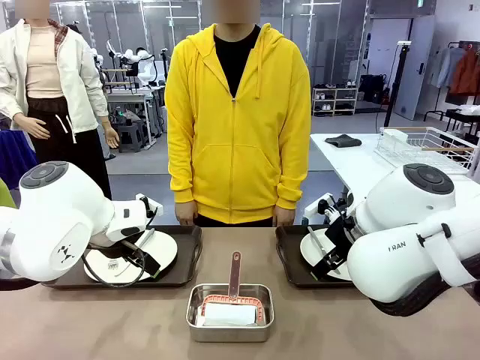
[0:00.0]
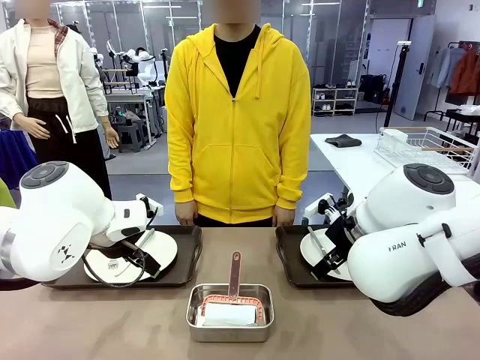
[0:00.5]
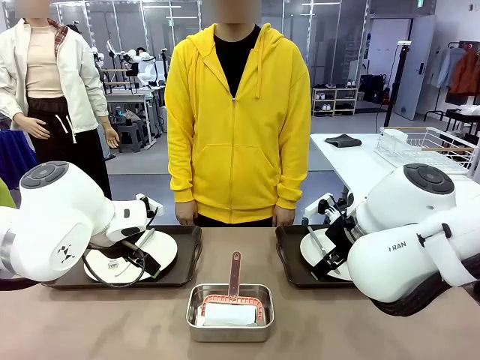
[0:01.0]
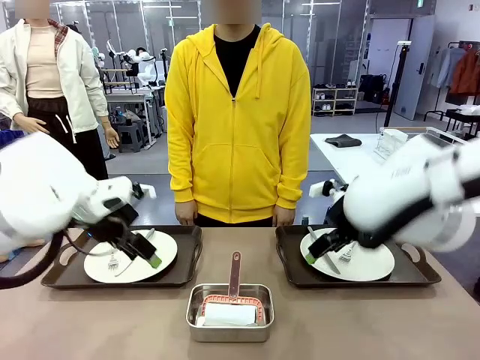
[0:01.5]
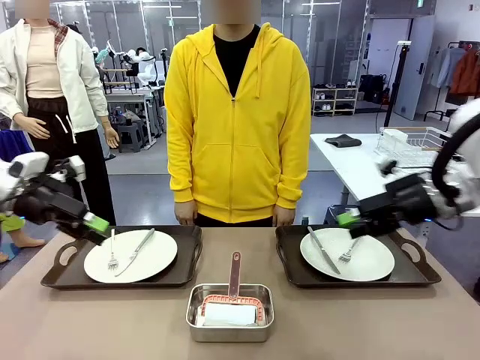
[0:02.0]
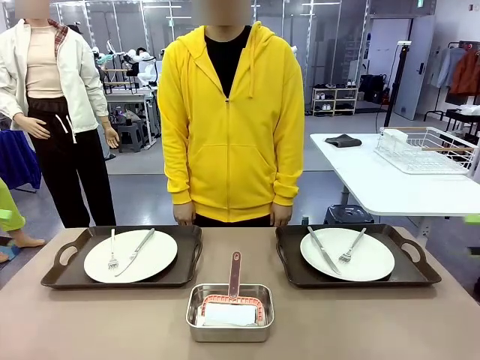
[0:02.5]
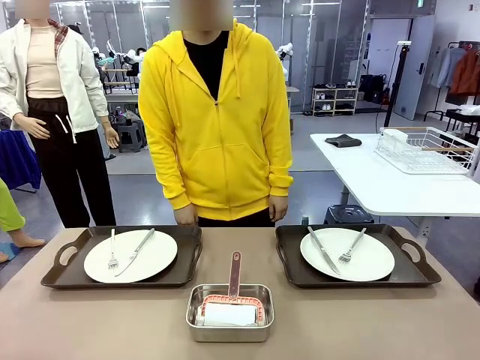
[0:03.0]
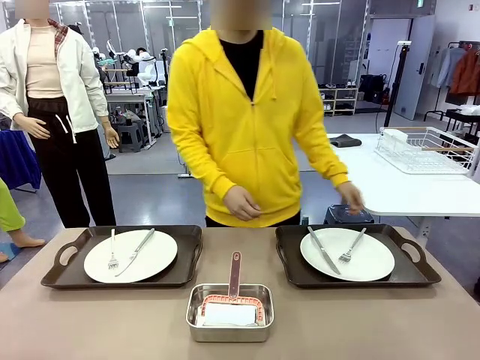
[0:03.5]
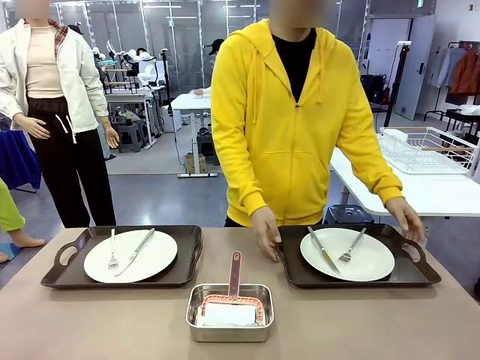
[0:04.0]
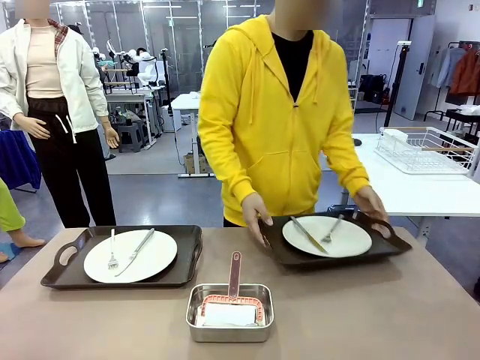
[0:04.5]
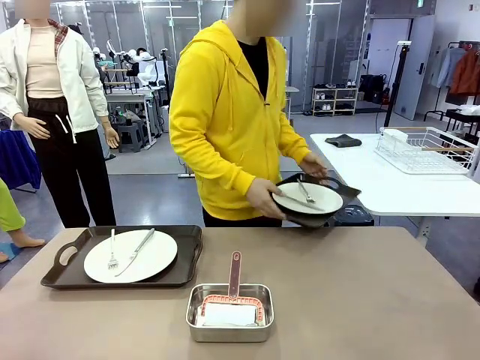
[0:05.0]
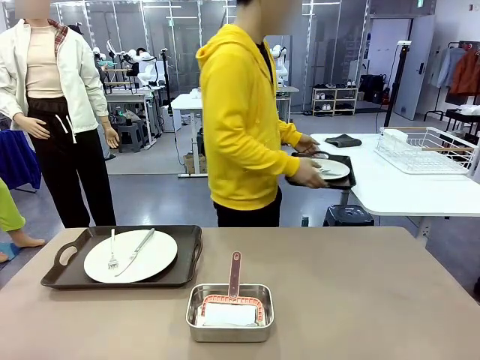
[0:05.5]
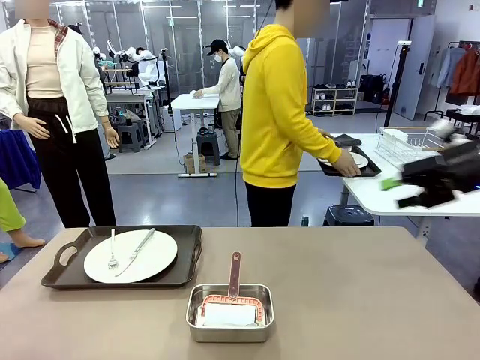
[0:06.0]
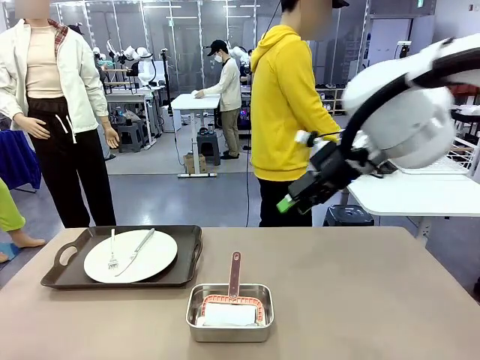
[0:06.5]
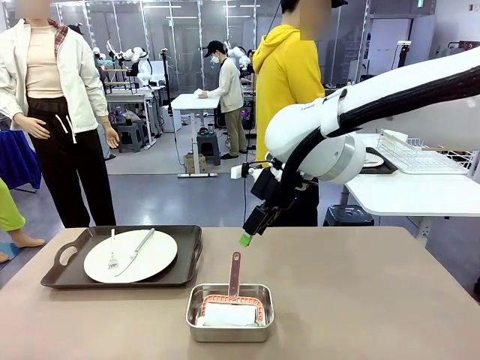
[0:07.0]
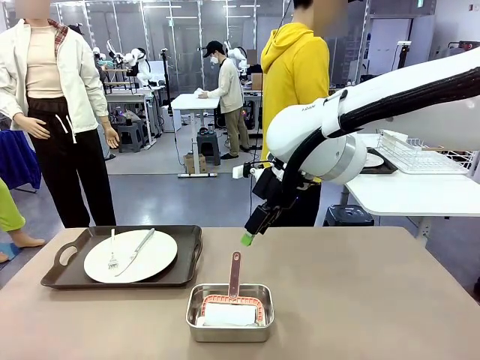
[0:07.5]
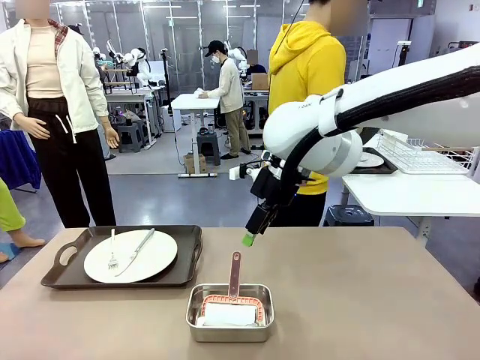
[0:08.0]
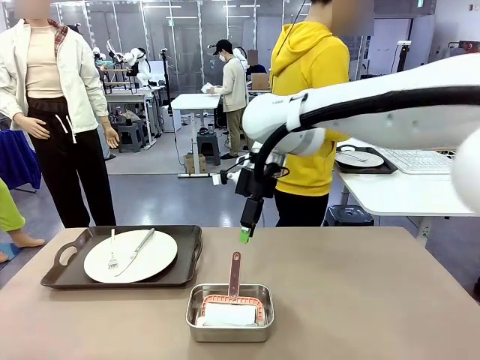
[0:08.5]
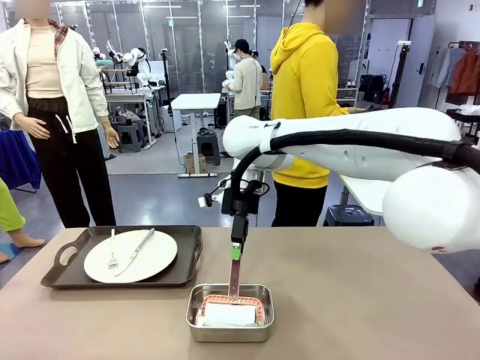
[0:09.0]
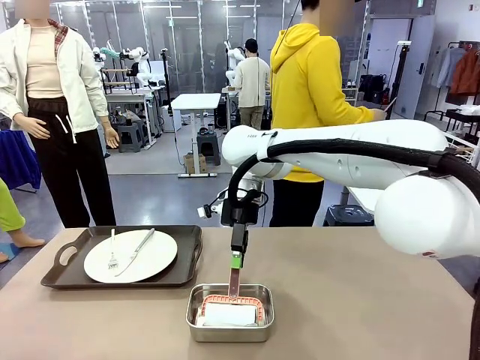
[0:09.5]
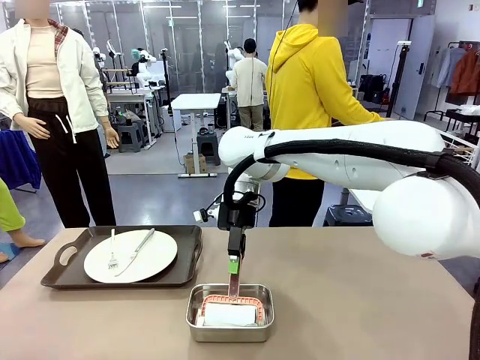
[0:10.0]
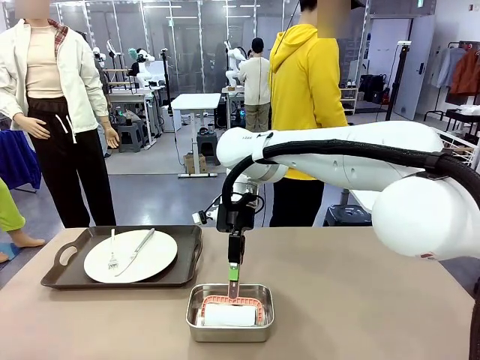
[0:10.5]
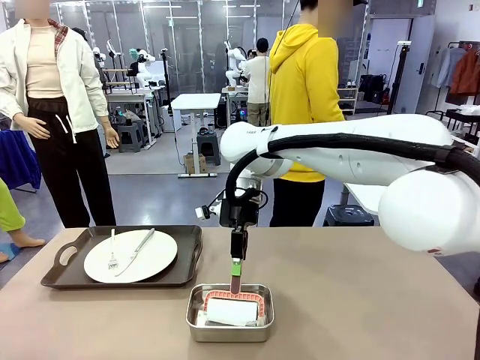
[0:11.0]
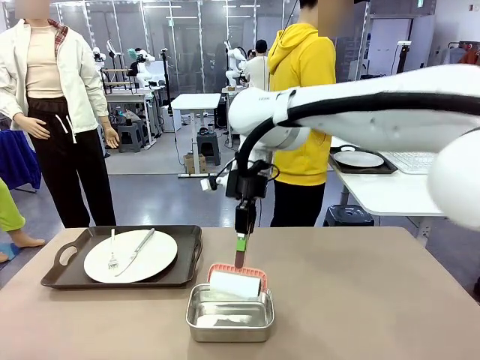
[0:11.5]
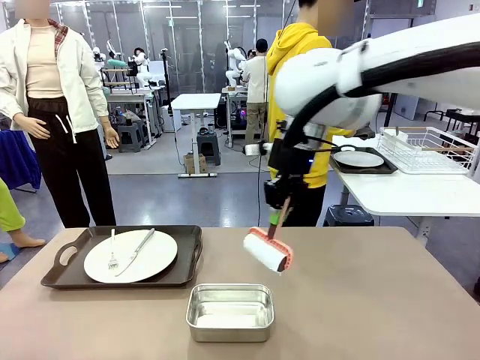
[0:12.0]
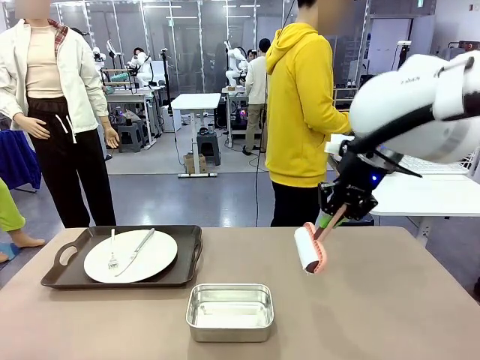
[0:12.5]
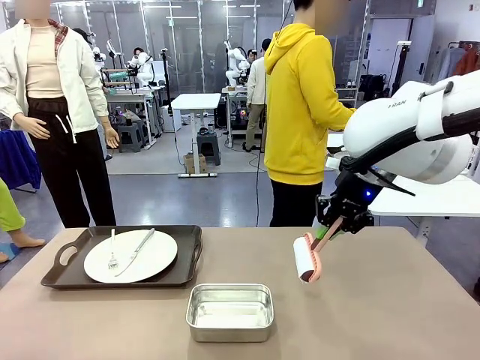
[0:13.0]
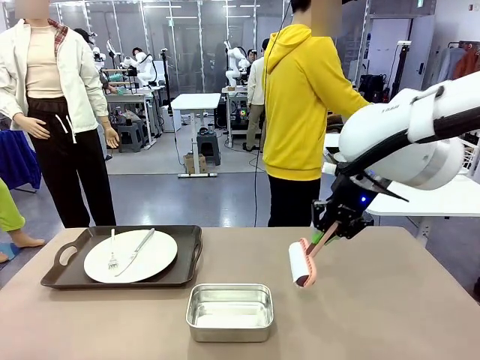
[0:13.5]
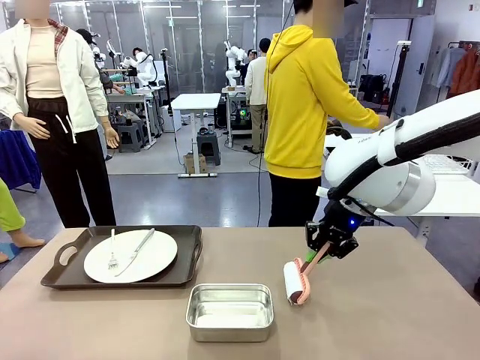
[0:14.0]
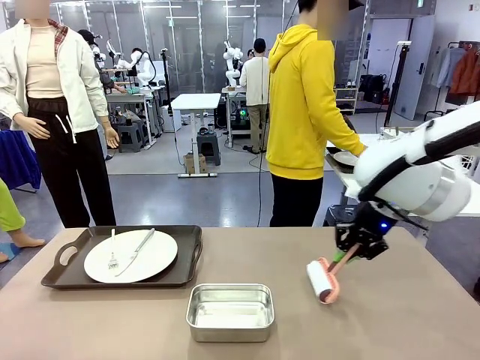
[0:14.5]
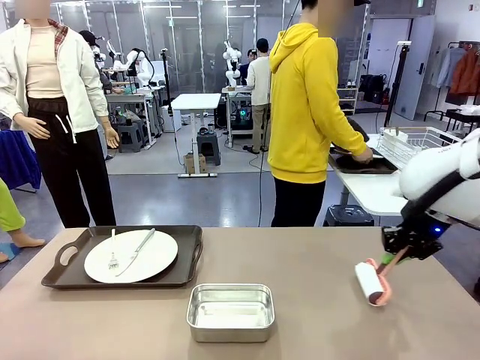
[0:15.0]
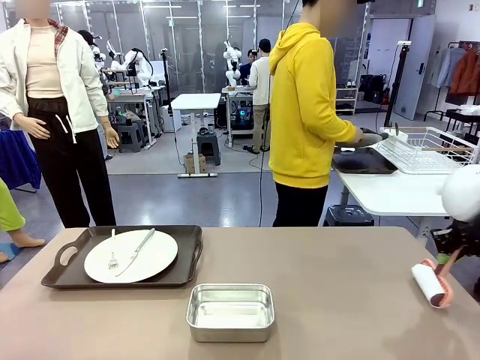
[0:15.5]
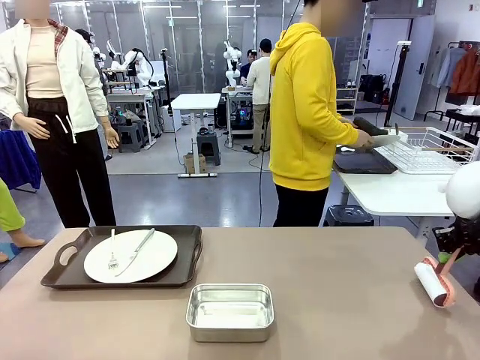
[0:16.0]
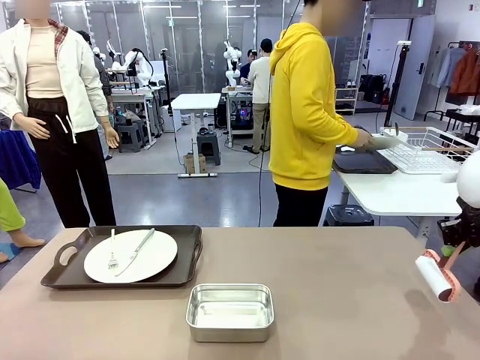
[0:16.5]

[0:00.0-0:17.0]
Robot: When the left (or right) Handle tray is removed, use the left hand (or right hand) to clean the left (or right) side of the table with the Lint Roller.
Person: Pick up the left (or right) Handle tray and place it on the middle of the Human's table. Use the Towel with hook to wipe the Plastic Matte Plate , Fork , and Knife and place into the Dish drying rack.

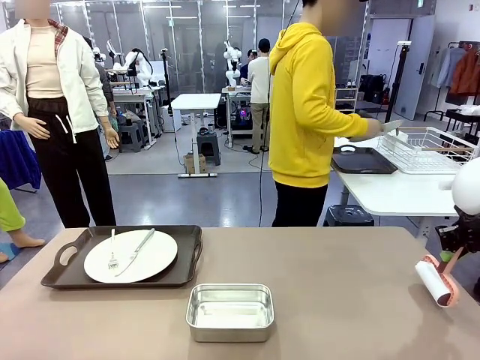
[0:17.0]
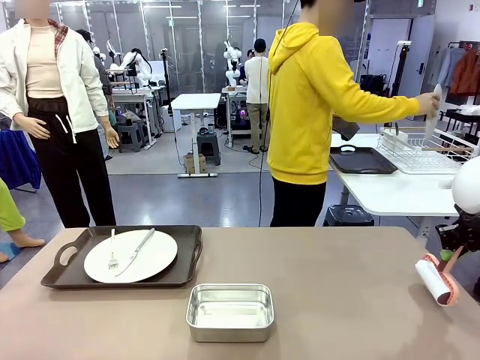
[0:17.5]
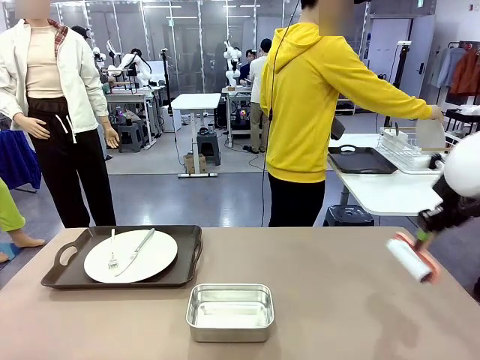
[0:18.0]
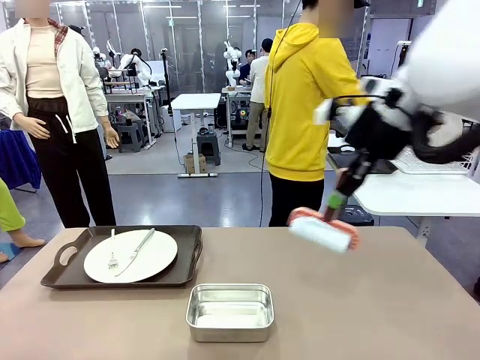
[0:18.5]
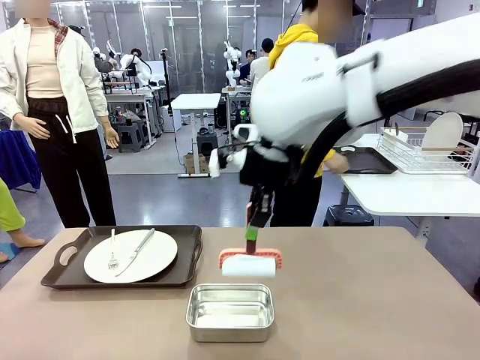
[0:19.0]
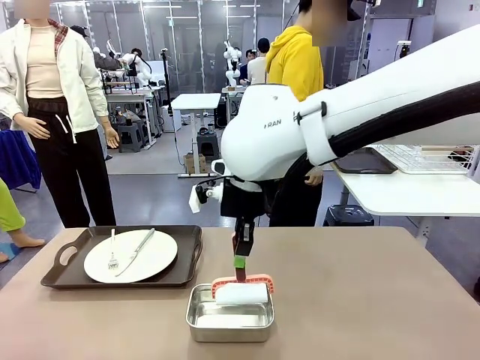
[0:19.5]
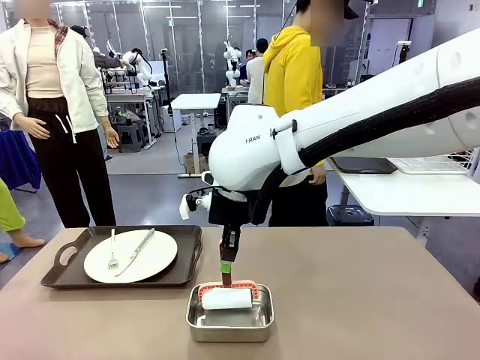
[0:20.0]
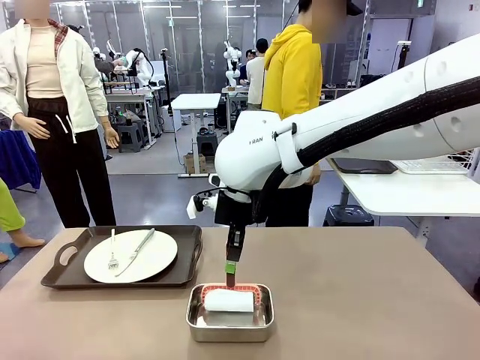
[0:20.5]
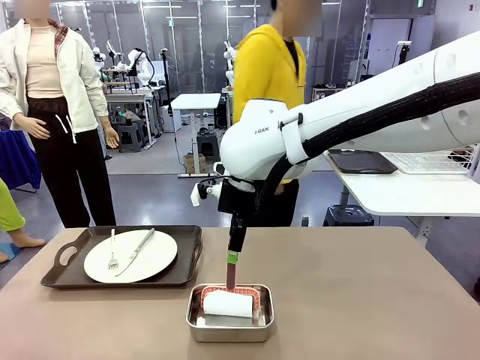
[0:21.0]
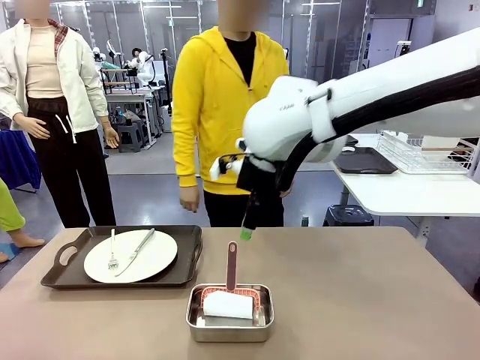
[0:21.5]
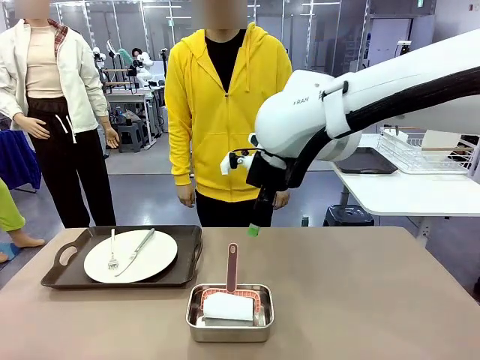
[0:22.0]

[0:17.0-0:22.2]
Robot: Place the Lint Roller back on top of the Airtight Container.

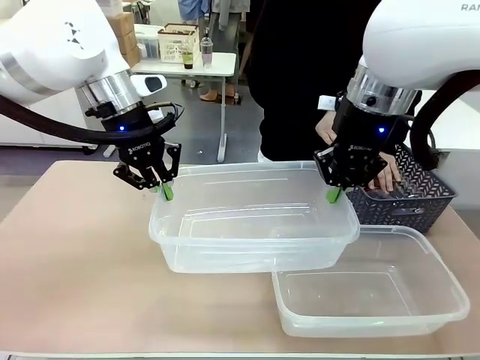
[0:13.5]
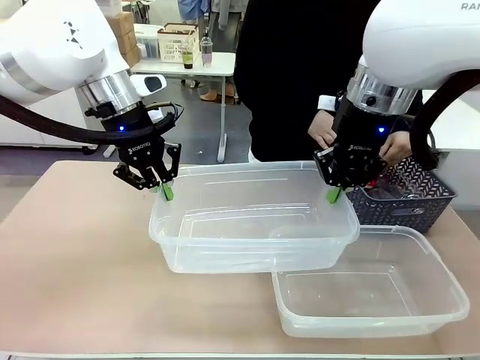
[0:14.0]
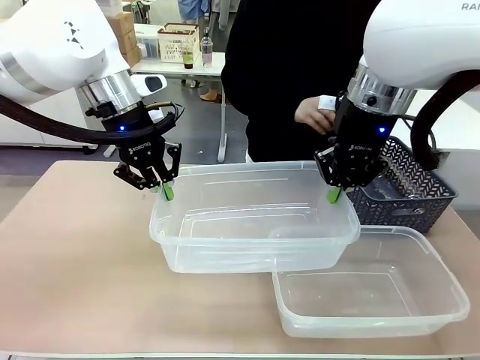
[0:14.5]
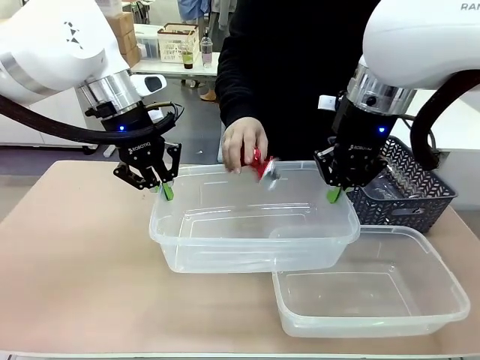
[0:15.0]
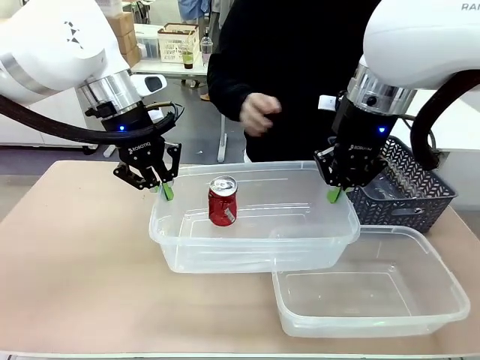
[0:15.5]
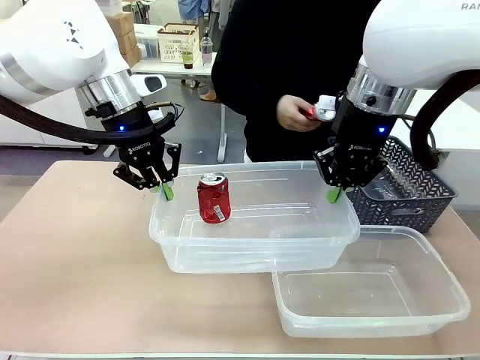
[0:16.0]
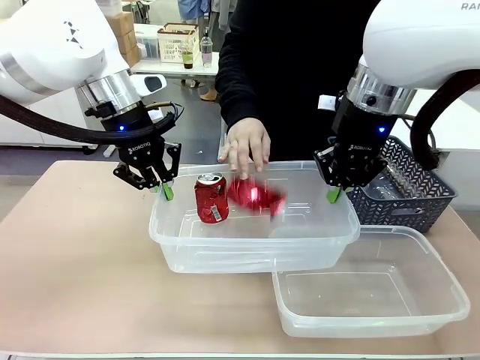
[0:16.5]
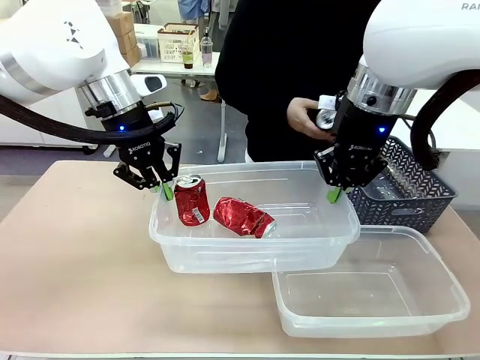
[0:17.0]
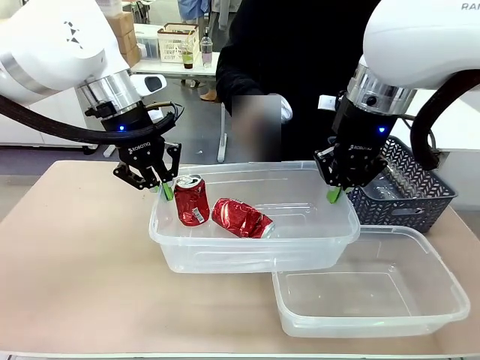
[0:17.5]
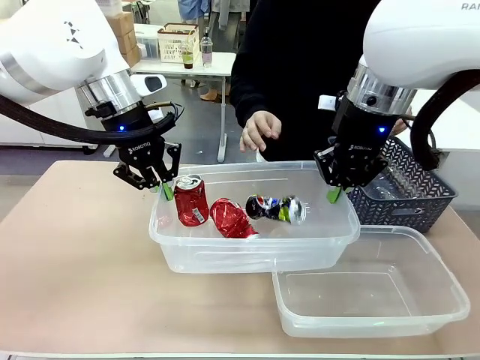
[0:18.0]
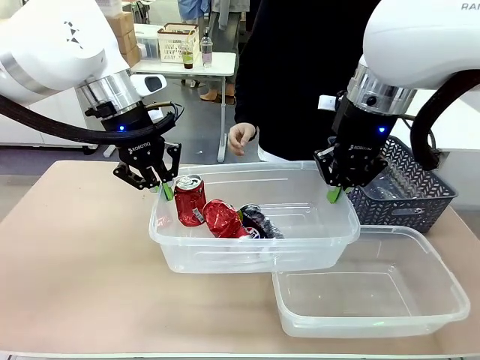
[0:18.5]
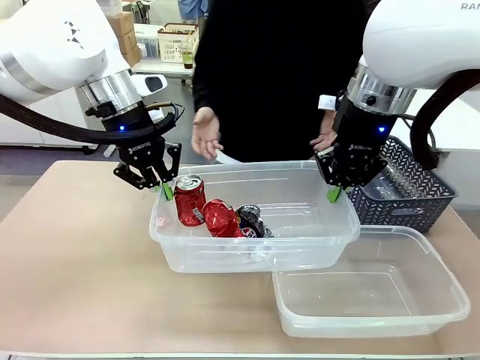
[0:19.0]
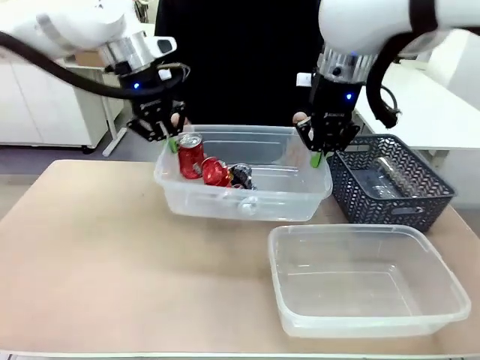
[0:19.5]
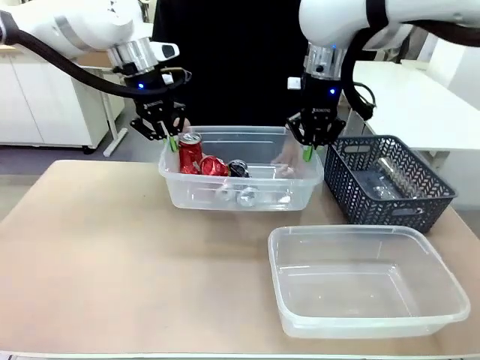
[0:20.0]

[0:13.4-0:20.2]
Robot: Offer the picked Organizing box to the human.
